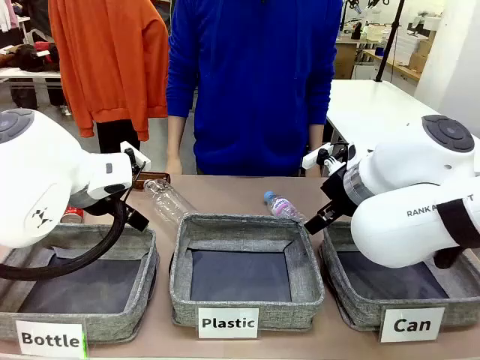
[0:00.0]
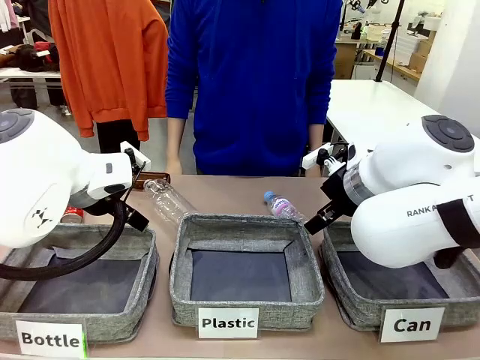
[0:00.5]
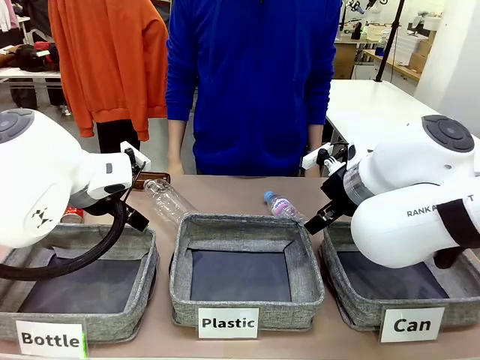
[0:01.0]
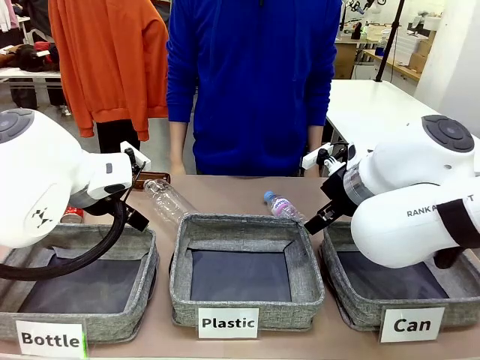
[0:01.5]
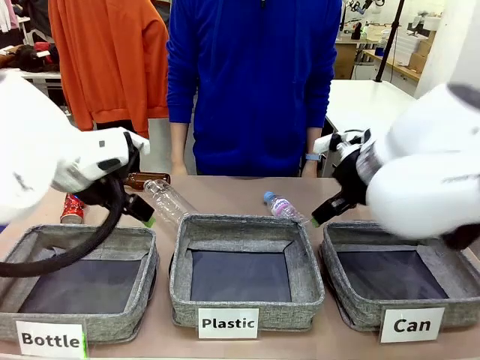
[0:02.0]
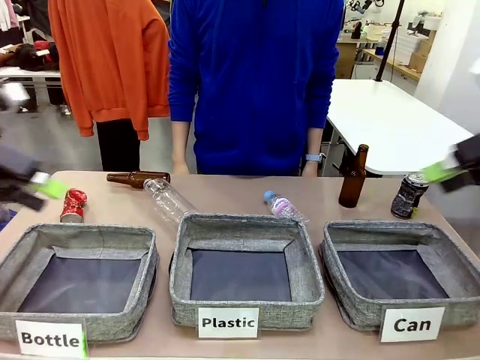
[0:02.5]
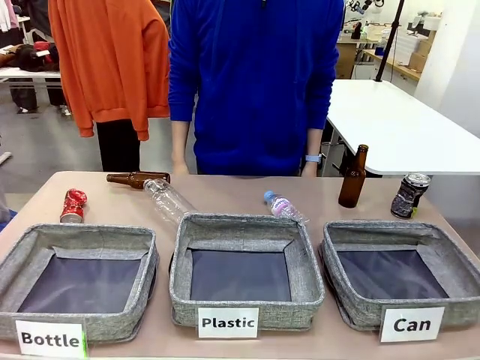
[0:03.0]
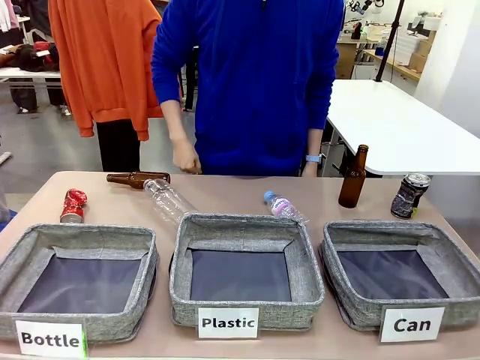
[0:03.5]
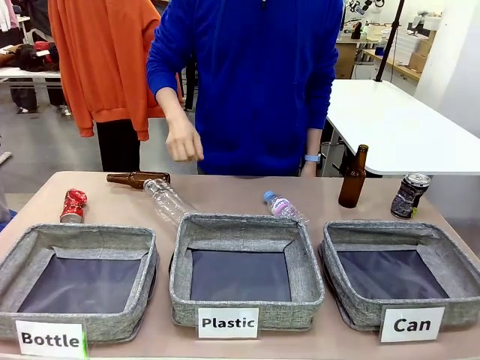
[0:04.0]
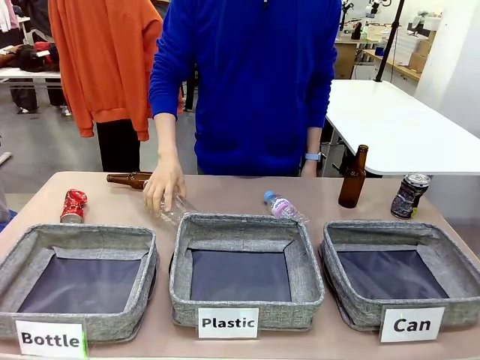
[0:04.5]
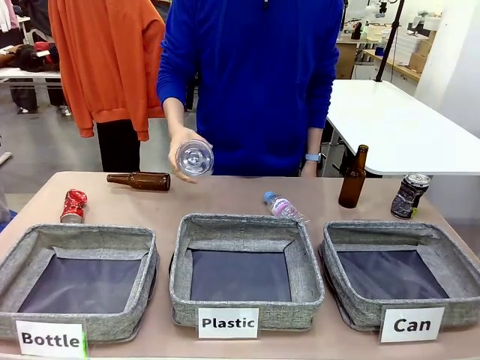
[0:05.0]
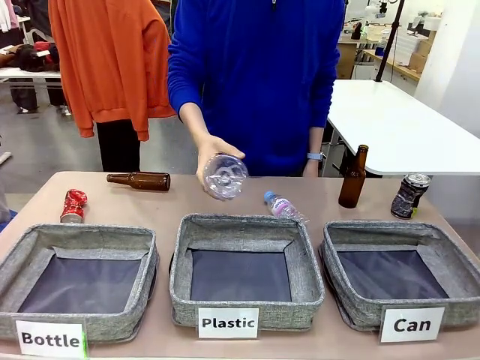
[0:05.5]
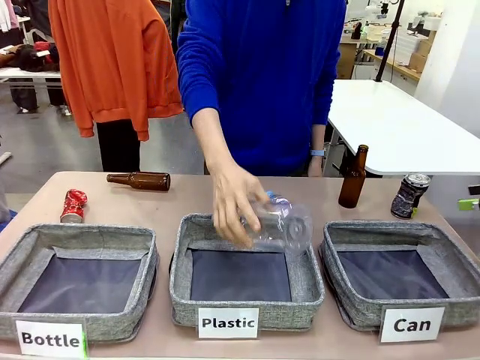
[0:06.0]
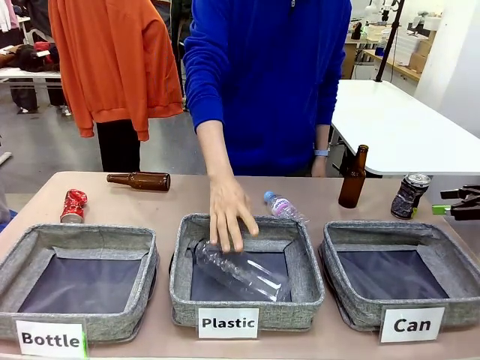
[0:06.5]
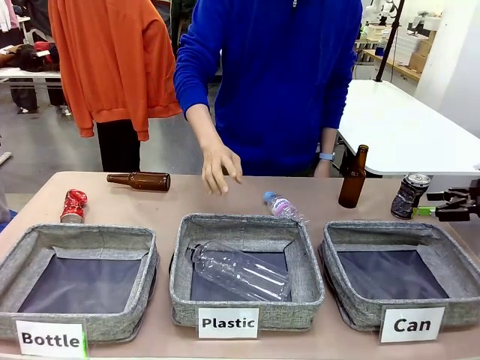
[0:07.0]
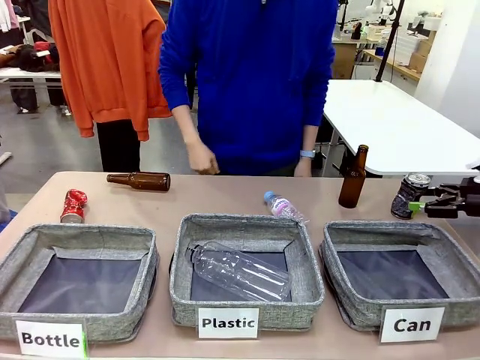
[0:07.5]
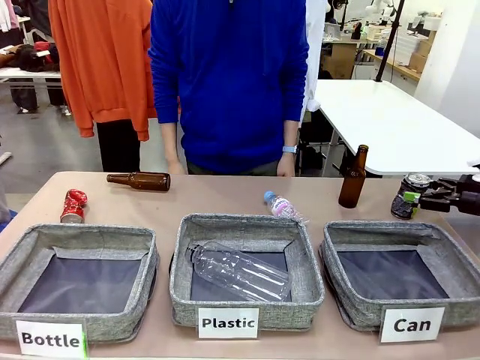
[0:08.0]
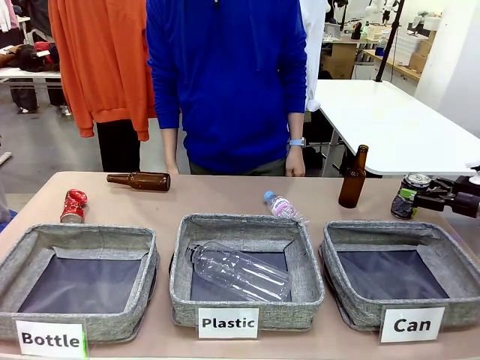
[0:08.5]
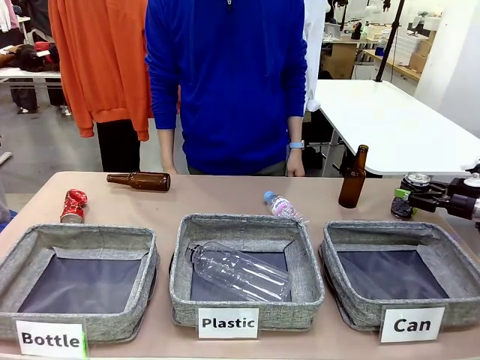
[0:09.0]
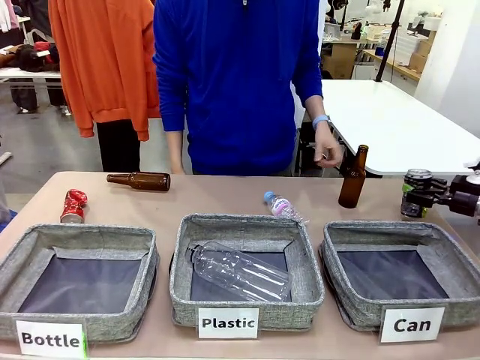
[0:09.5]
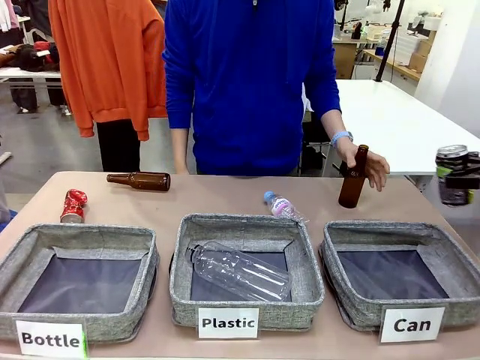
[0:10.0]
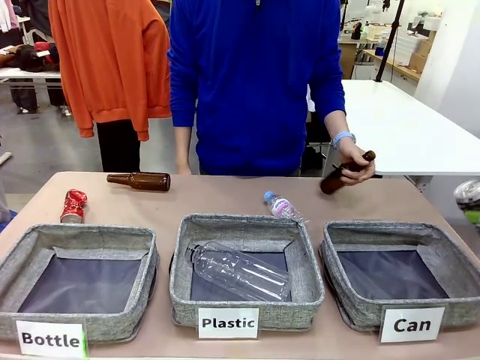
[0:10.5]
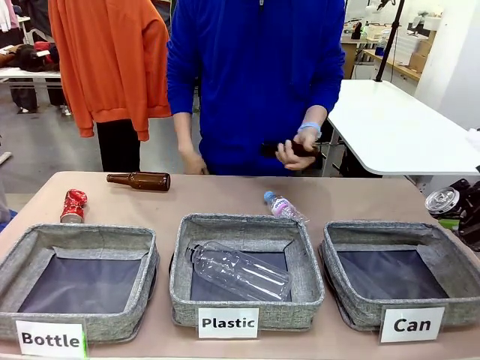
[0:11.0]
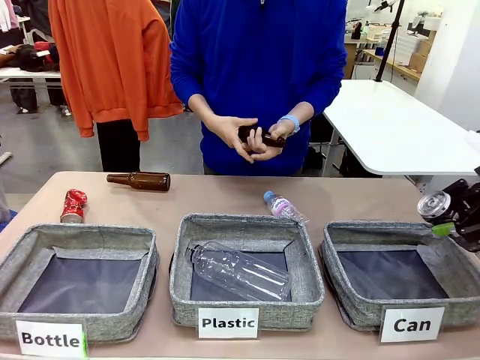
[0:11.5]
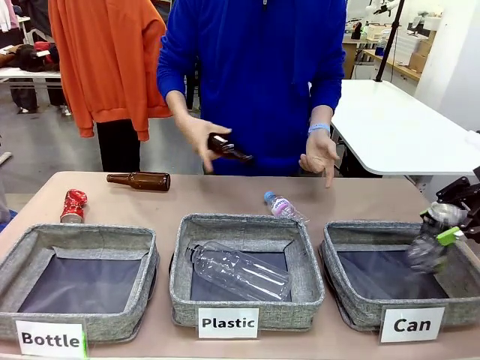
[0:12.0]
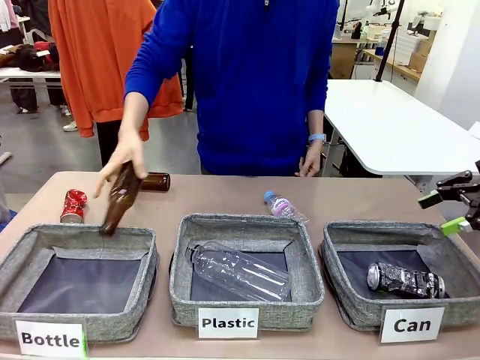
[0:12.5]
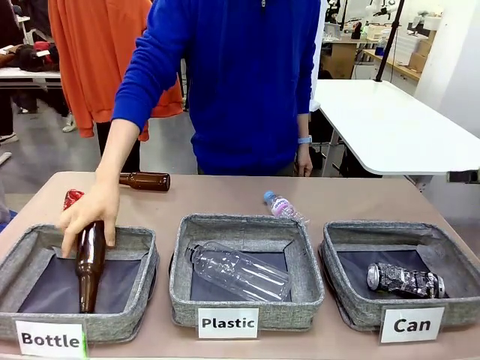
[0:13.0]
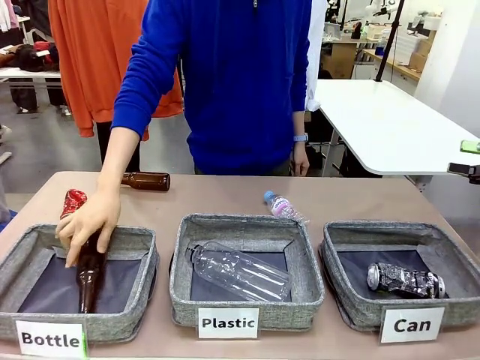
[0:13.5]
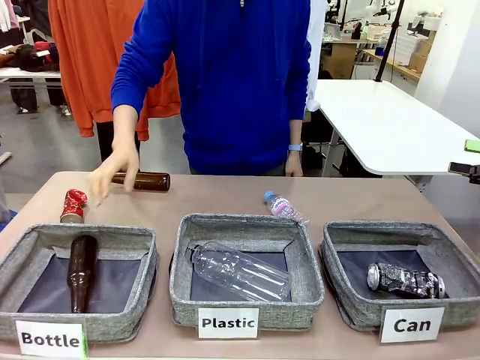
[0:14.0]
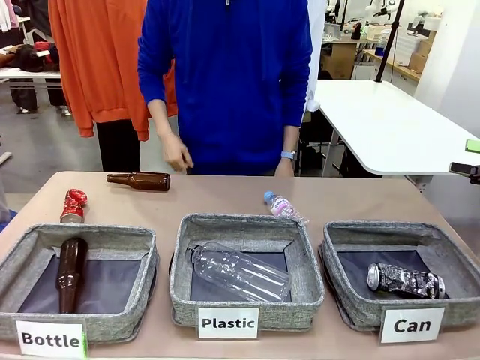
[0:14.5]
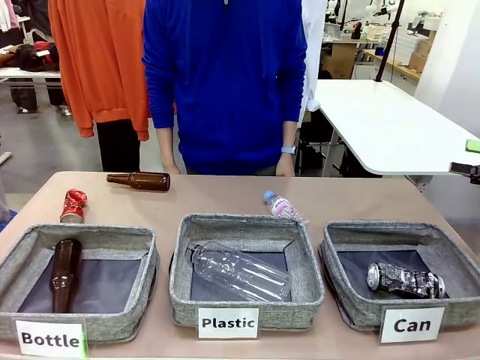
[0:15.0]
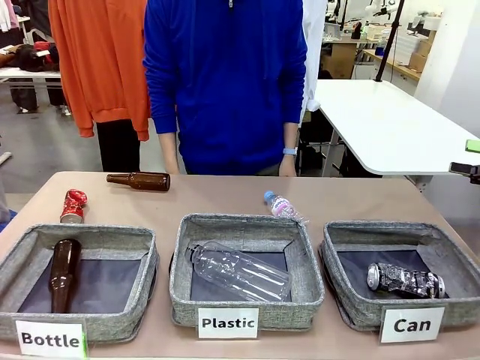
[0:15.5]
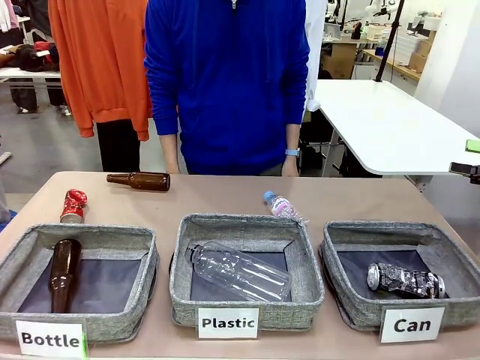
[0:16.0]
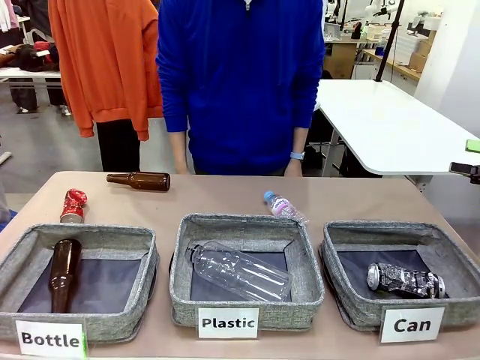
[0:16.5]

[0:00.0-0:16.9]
Task: Sort the can waste into the basket.
Robot: Pick up the can waste from the table and place it in the right Fabric basket.

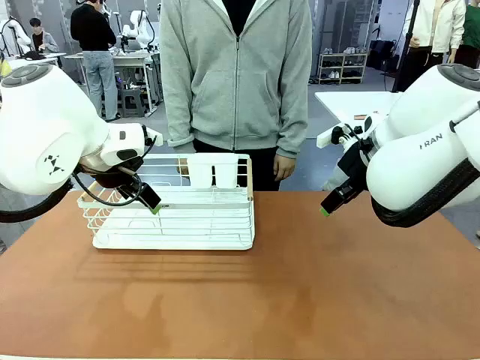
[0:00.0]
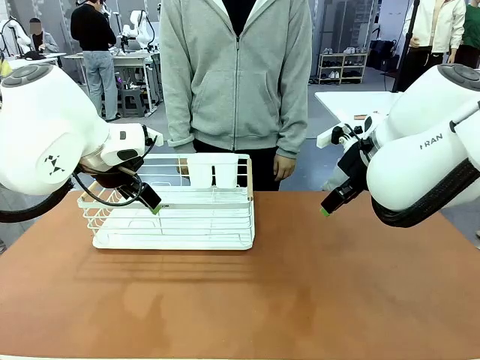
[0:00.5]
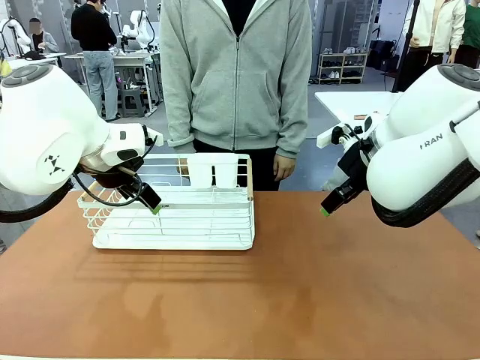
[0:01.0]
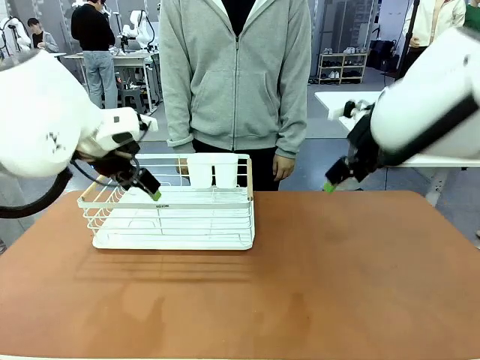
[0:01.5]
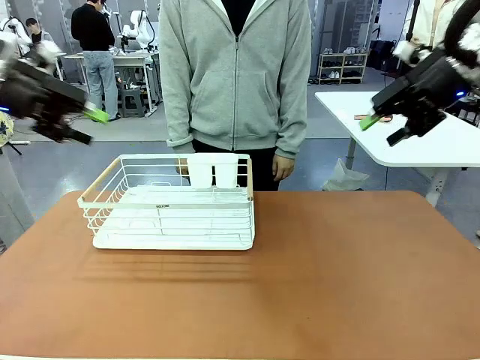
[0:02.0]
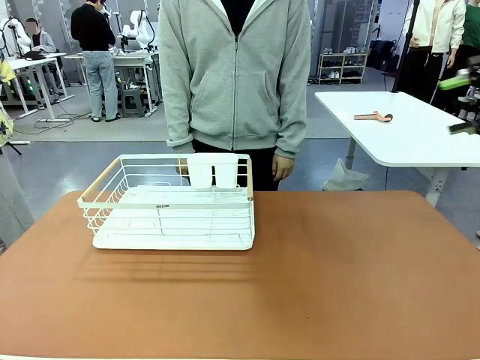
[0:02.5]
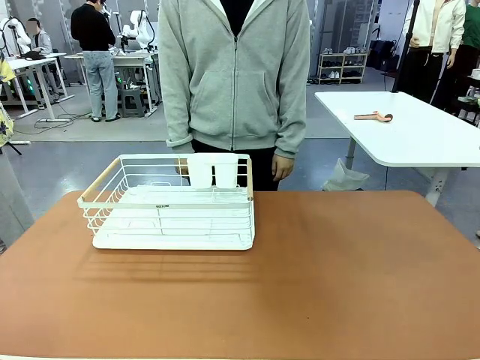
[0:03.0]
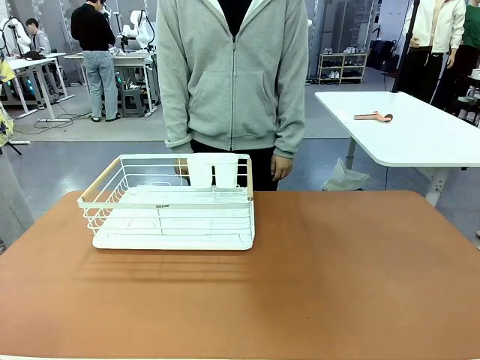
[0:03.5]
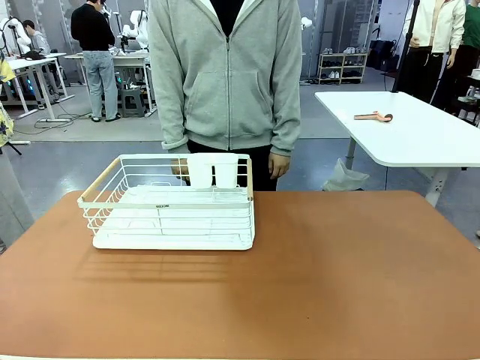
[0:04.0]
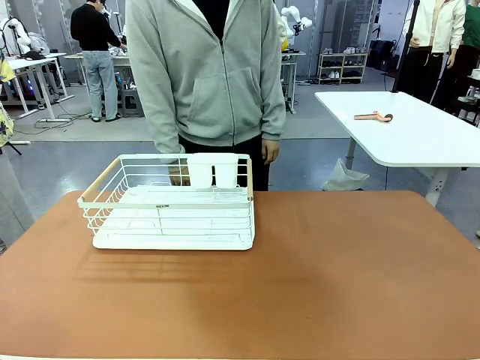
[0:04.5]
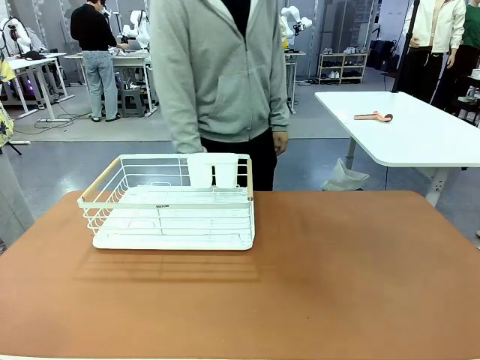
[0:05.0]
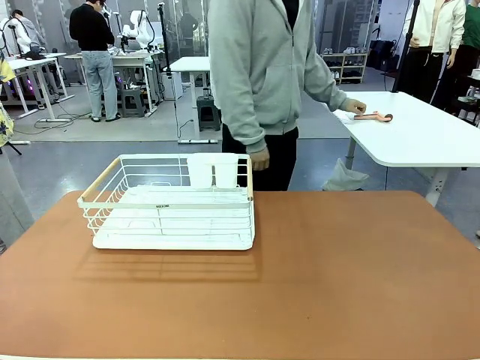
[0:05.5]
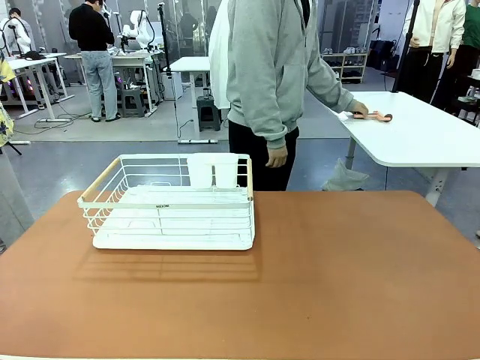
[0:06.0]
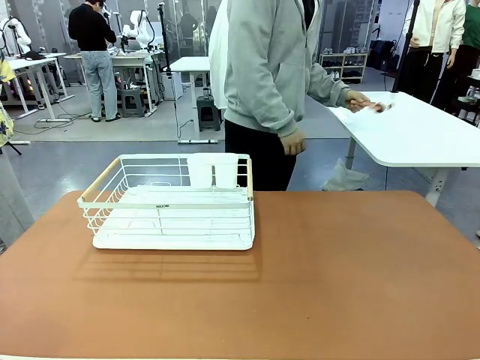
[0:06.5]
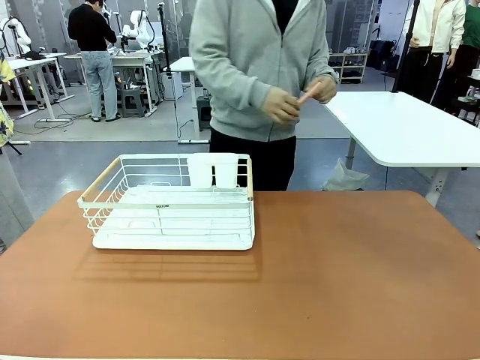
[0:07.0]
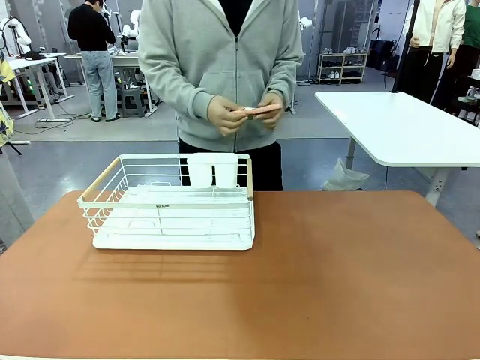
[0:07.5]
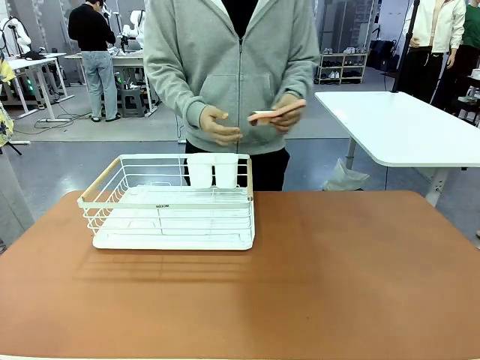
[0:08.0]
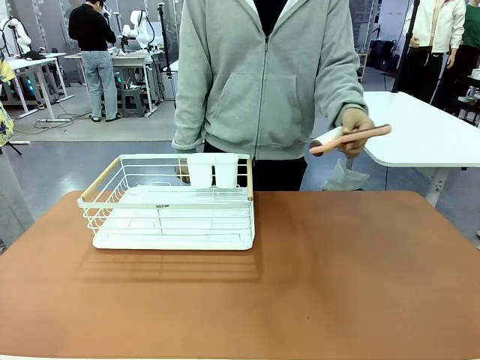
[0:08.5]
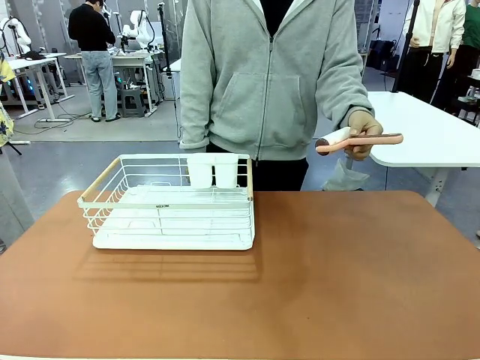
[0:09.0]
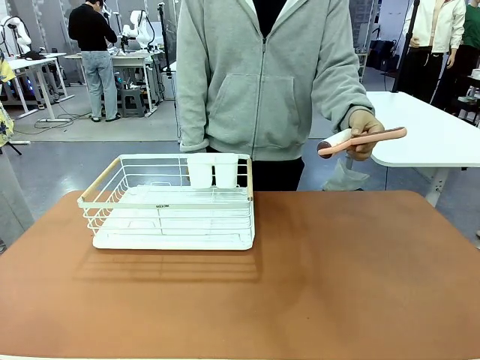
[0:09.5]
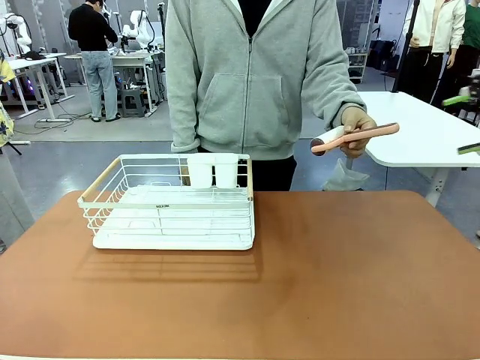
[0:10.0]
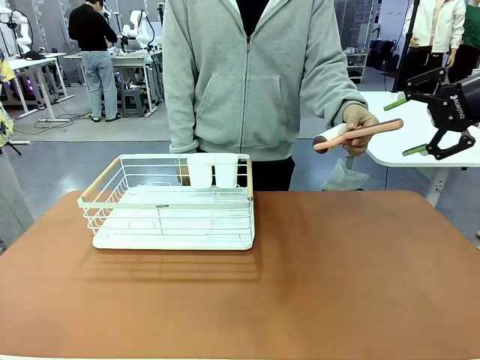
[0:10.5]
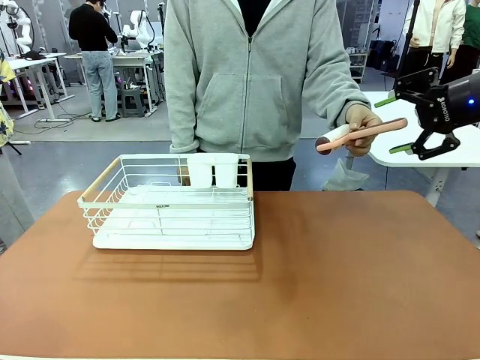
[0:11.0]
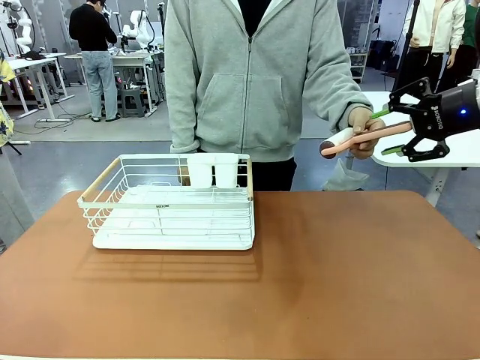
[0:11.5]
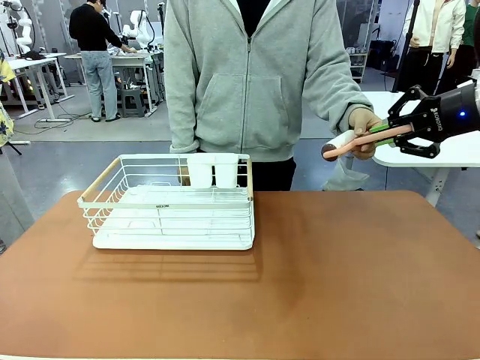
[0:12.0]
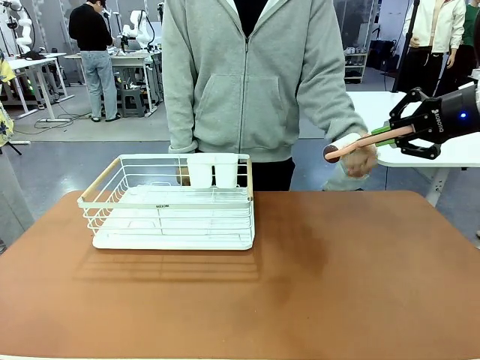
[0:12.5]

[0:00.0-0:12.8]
Task: Clean the table.
Robot: Pick up the Lint Roller when the human hands it over.
Person: Hand the Lint Roller to the robot so it can easily pick it up. Lift the Dish drying rack.
